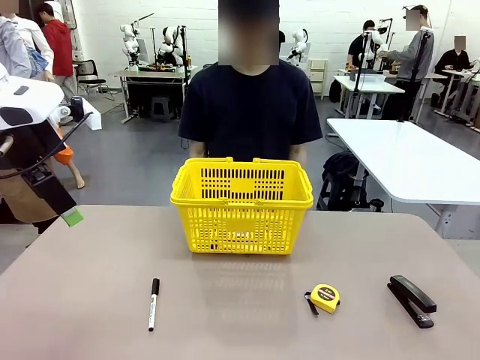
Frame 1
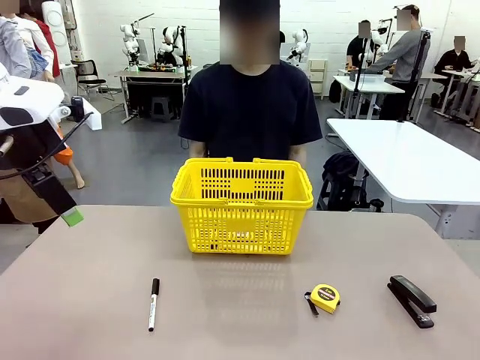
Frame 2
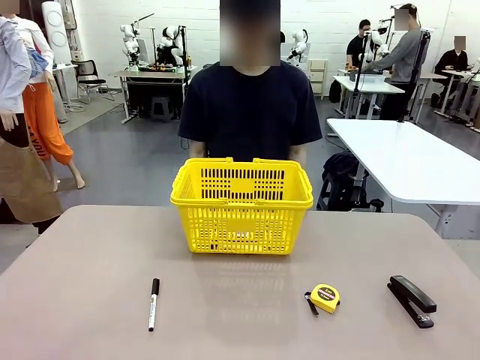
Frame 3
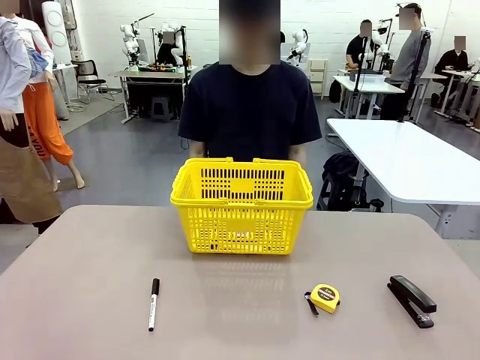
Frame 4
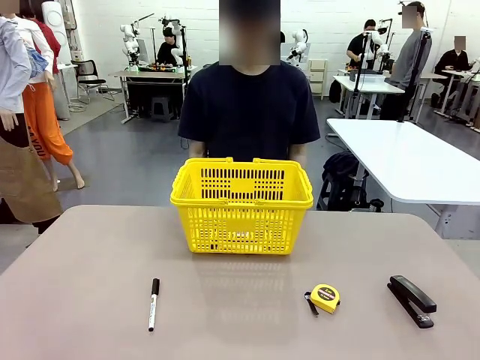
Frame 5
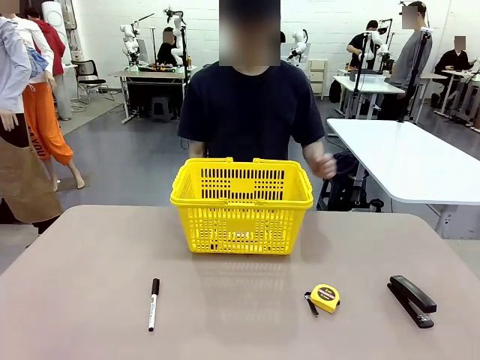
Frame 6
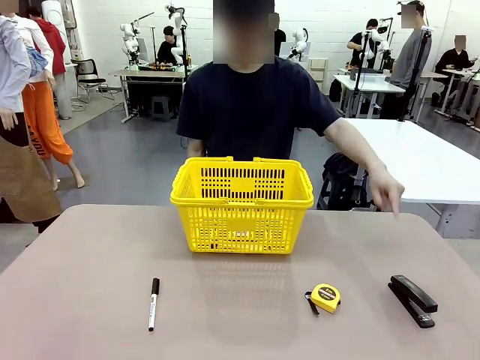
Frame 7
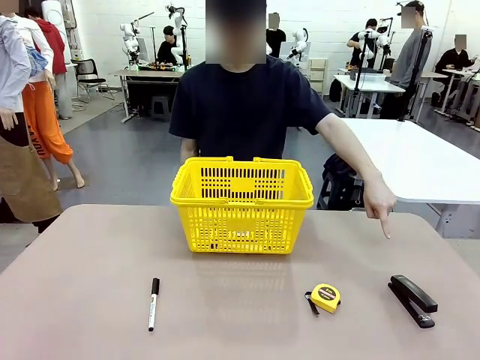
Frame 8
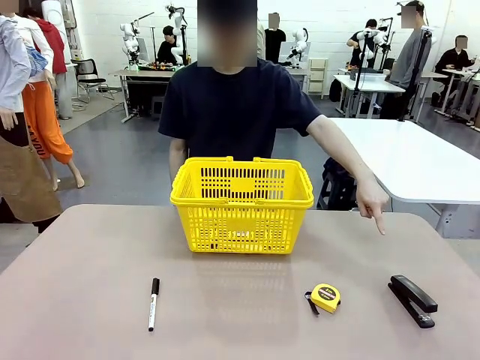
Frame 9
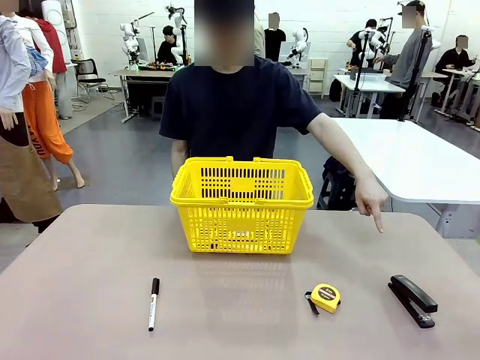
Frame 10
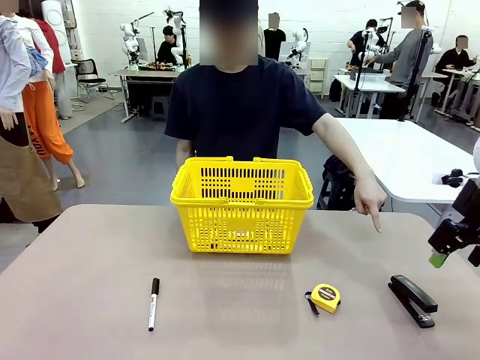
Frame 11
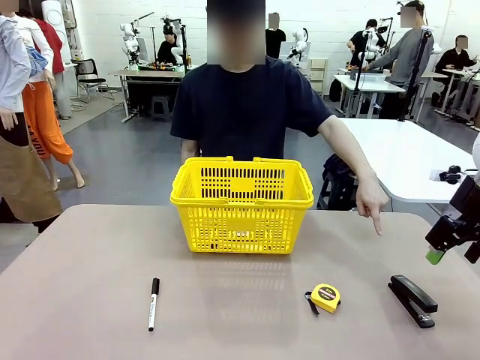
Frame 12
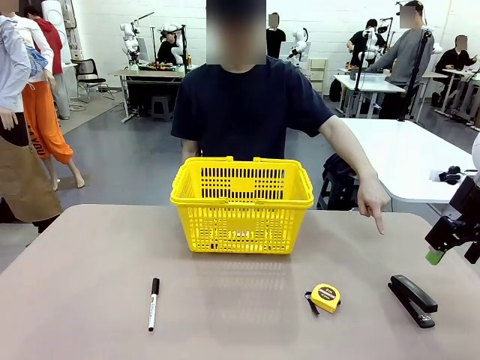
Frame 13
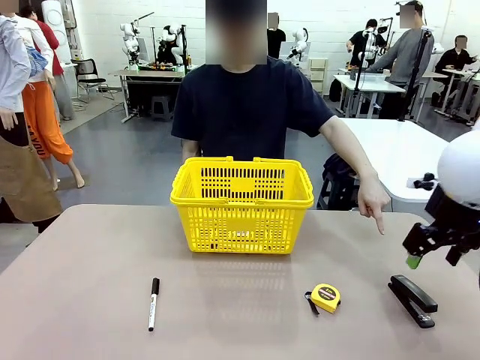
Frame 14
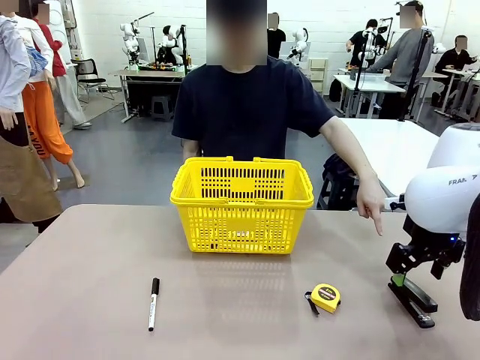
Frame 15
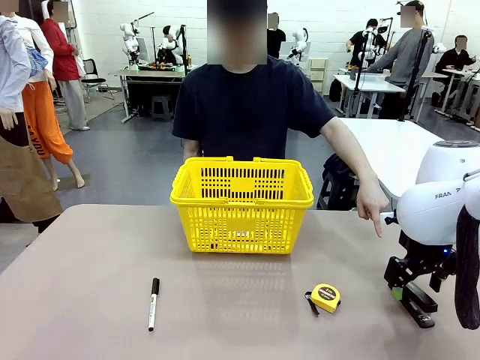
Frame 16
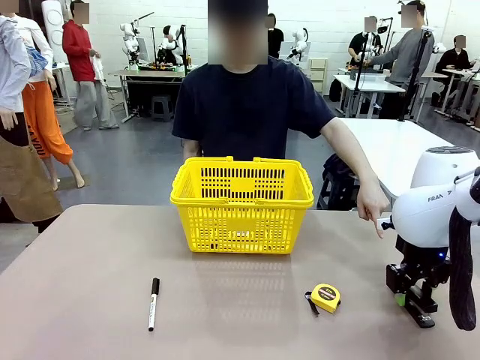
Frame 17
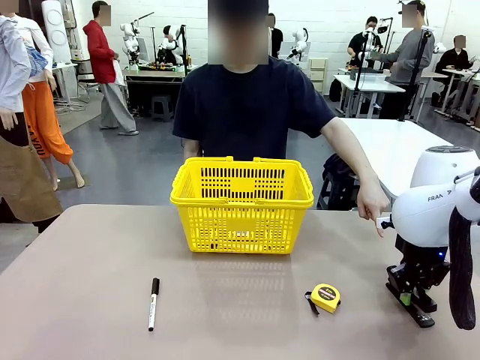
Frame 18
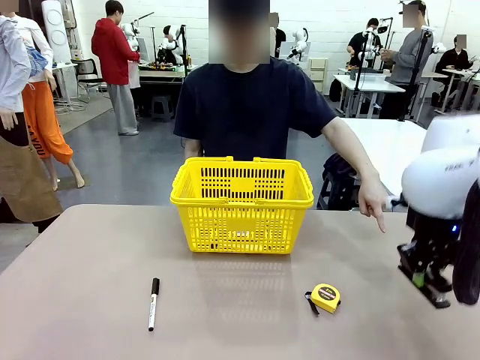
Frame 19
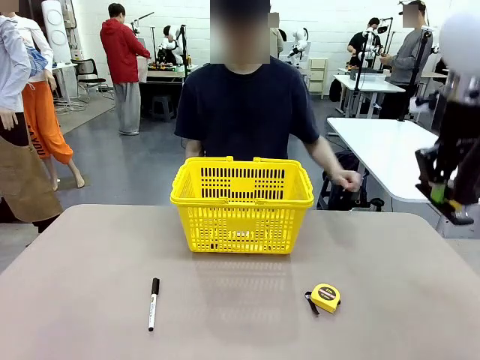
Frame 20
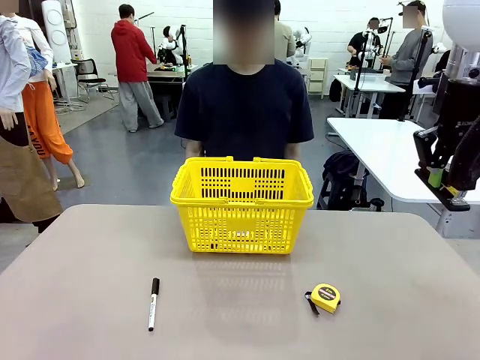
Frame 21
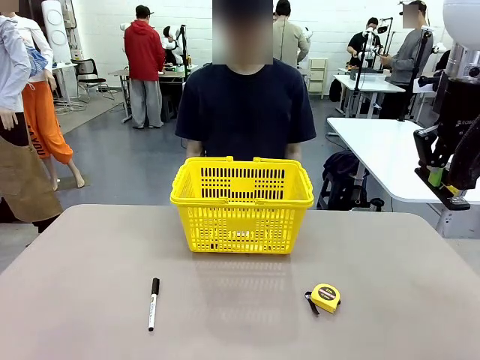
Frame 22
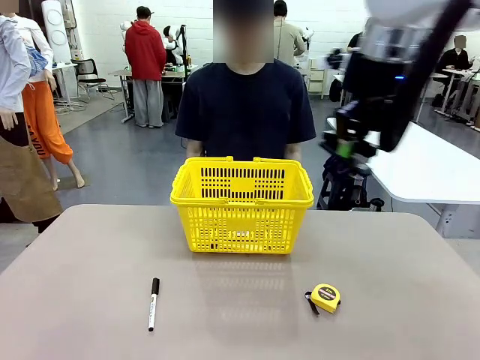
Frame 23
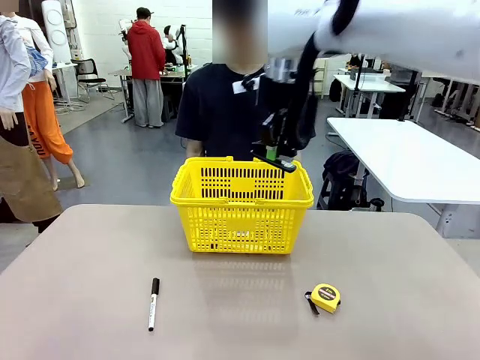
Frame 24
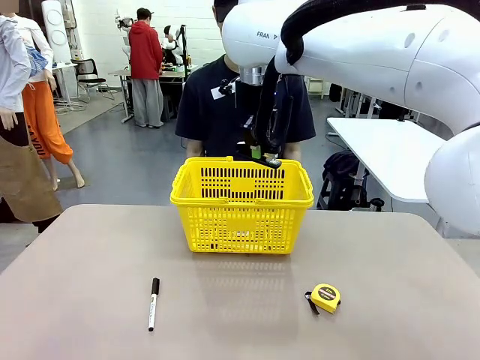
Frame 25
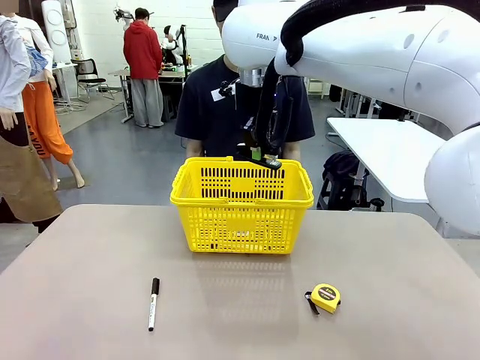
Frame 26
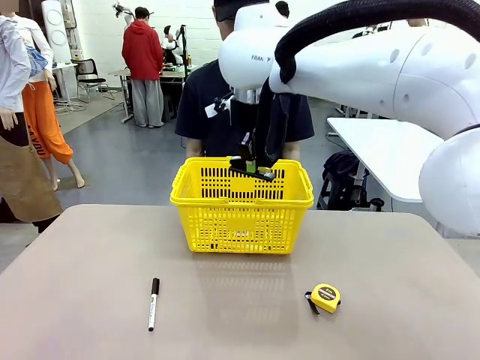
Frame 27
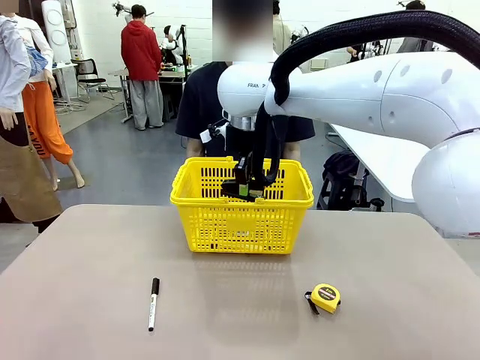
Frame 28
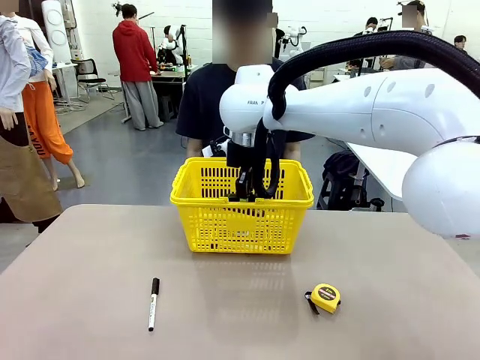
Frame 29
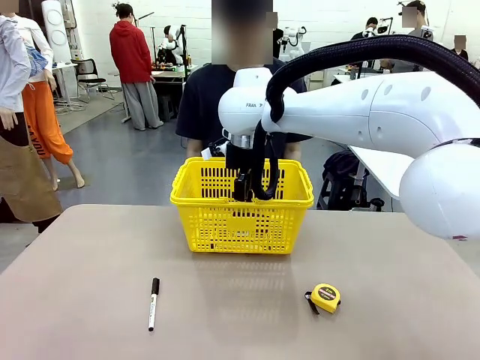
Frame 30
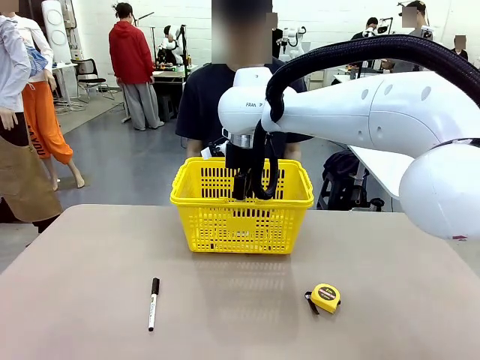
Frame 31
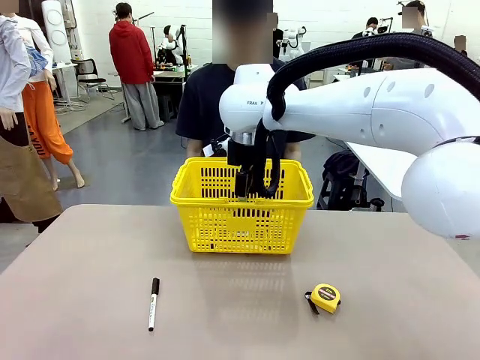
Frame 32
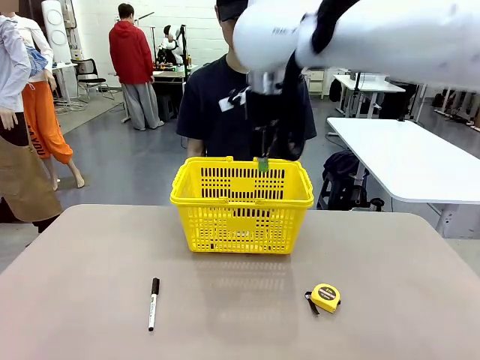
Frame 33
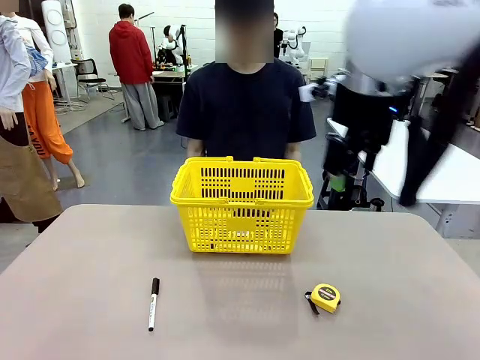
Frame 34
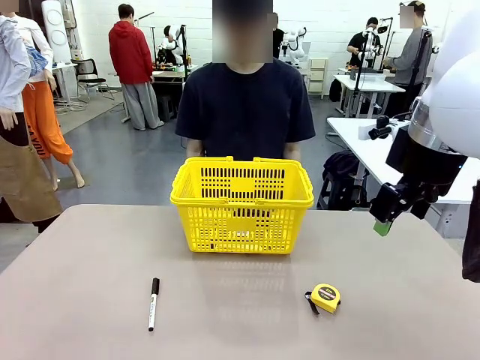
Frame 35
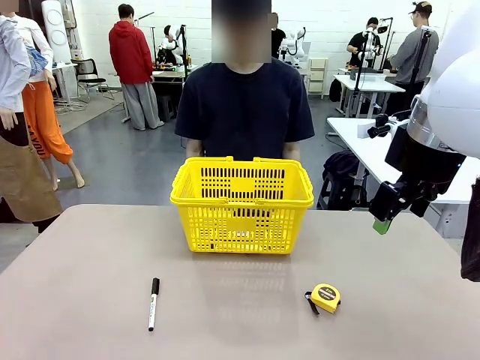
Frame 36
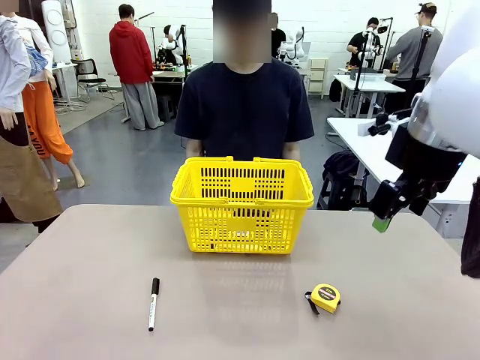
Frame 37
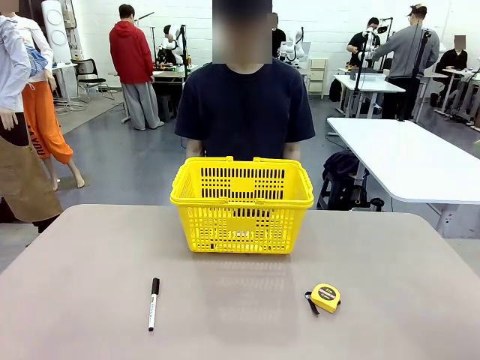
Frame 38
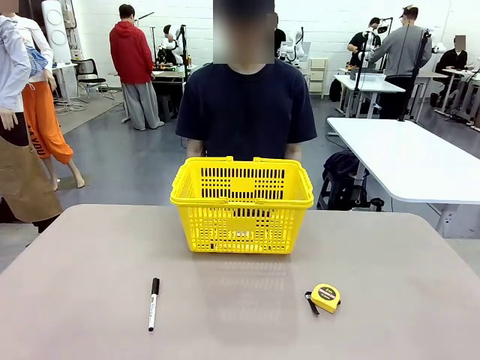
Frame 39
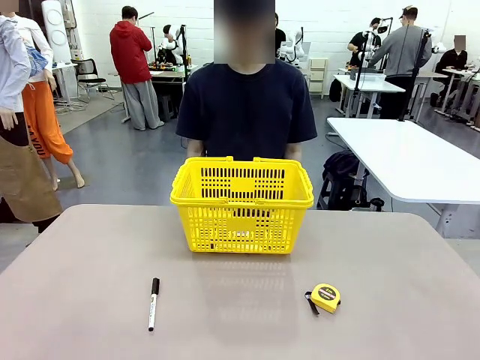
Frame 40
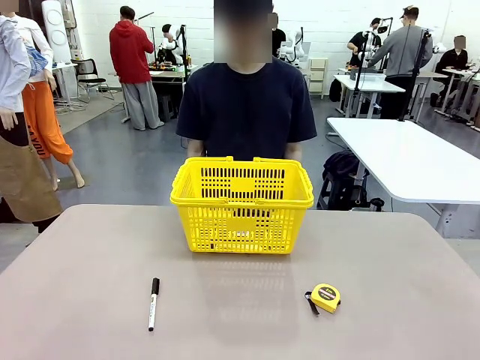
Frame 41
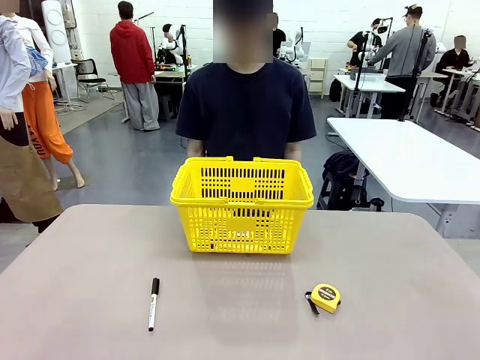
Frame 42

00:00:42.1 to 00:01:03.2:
Task: Place the items the person wants into the basket.
Robot: Pick up the item the person points to and place it in the Market Basket.
